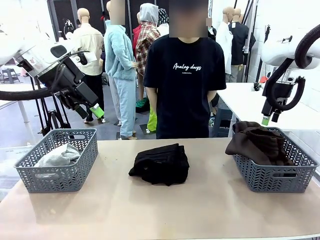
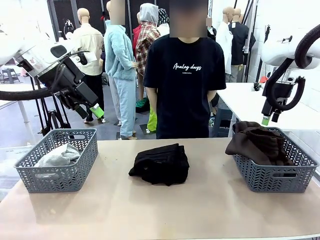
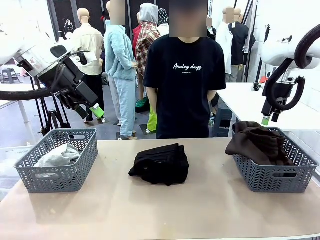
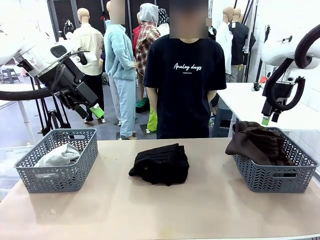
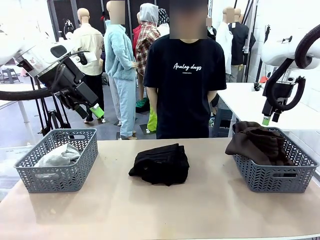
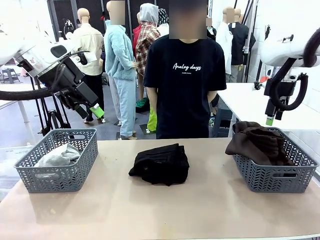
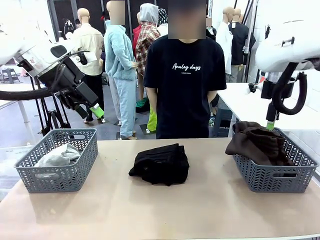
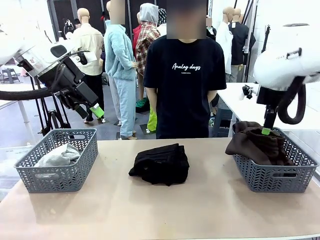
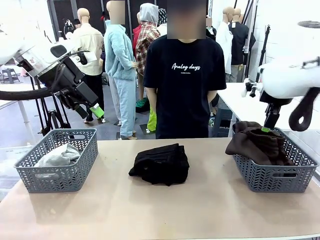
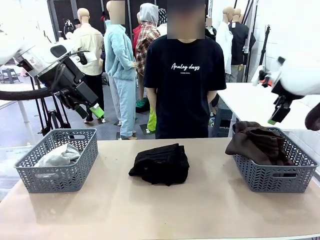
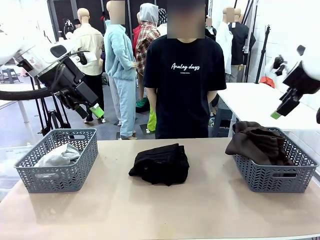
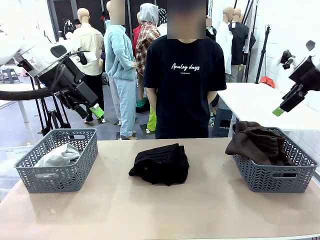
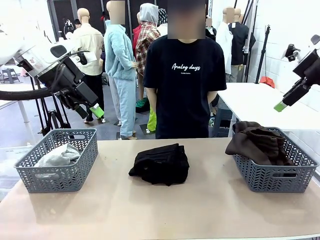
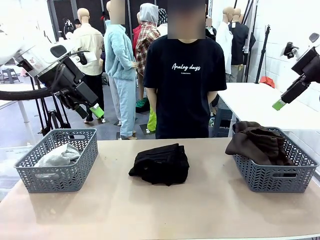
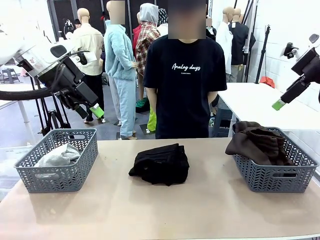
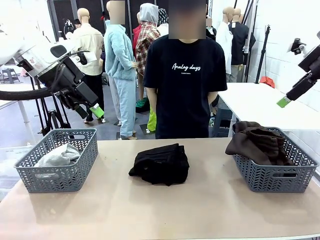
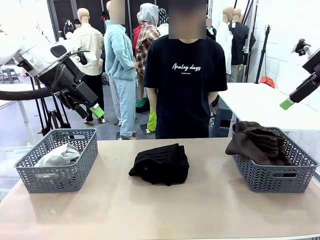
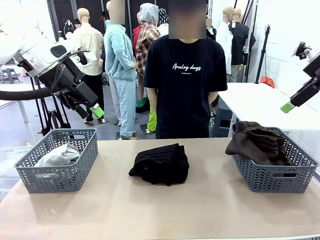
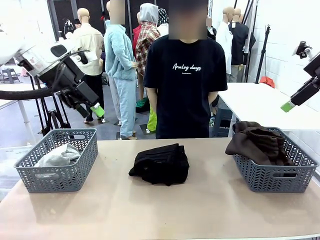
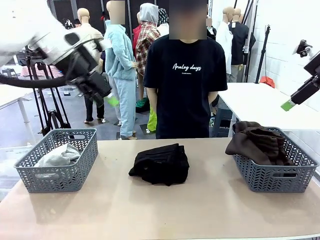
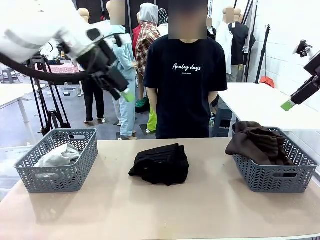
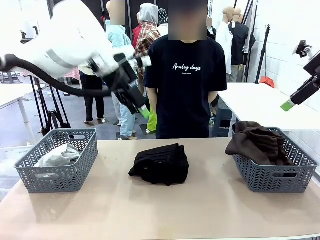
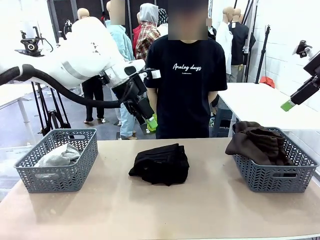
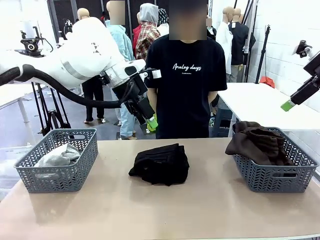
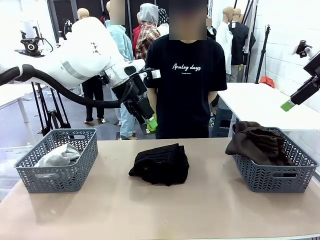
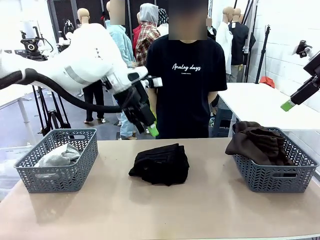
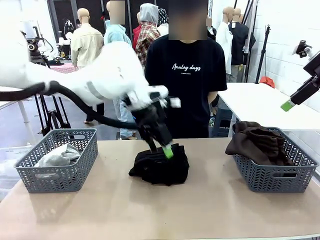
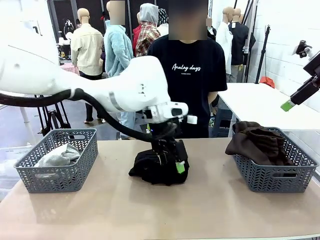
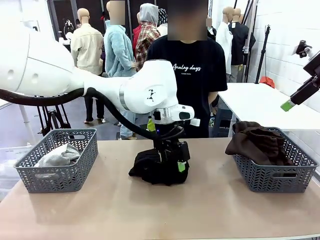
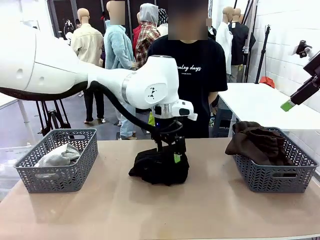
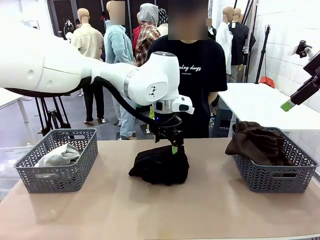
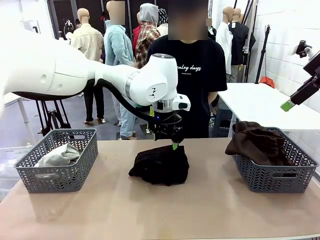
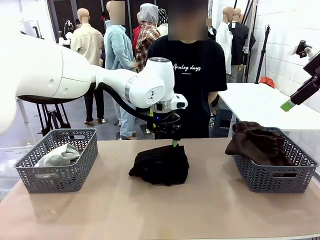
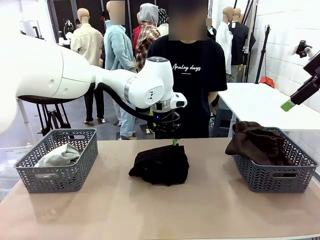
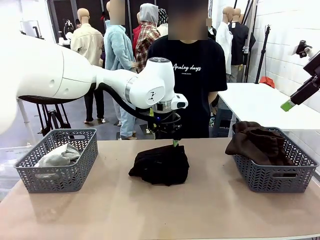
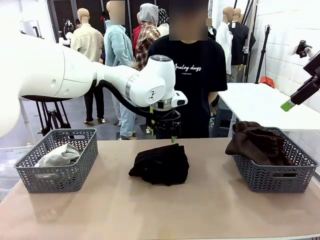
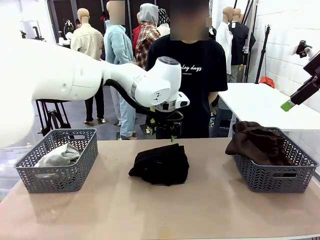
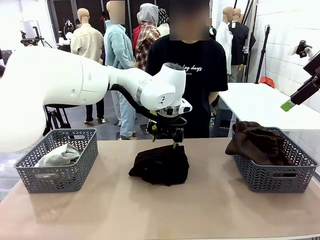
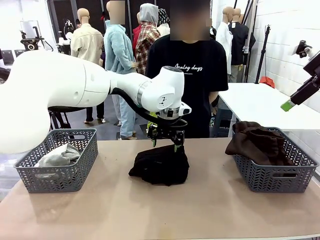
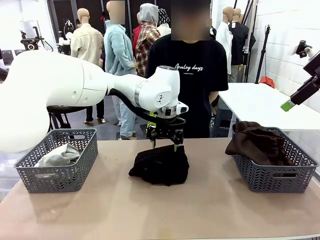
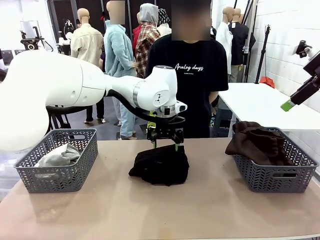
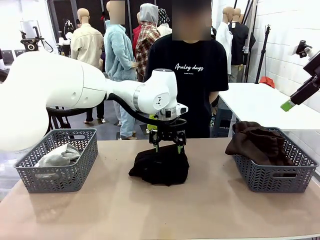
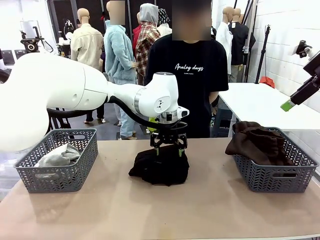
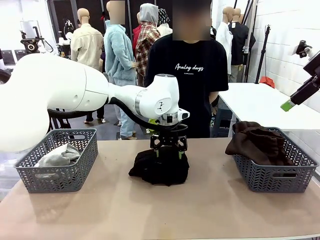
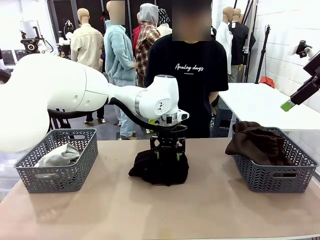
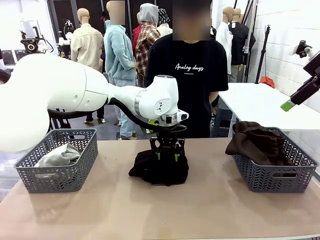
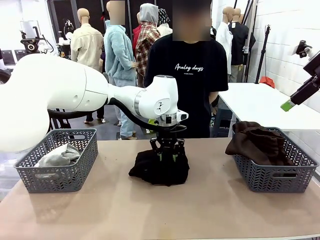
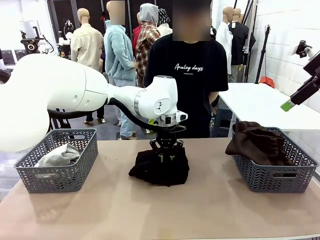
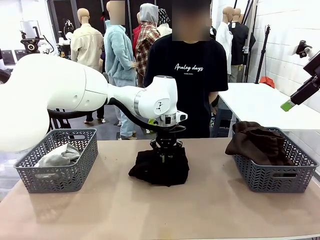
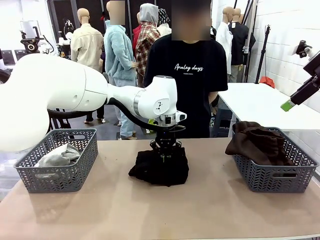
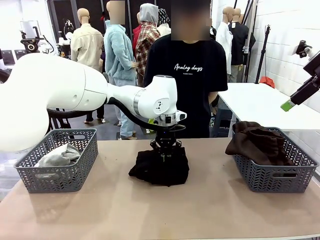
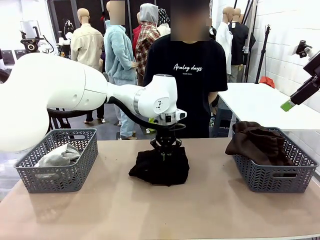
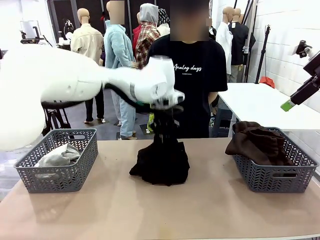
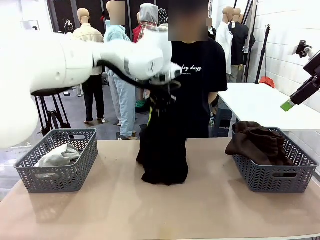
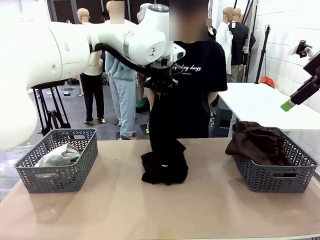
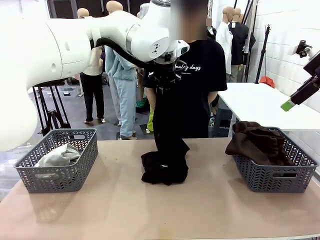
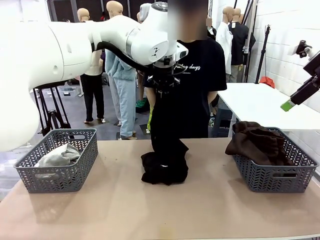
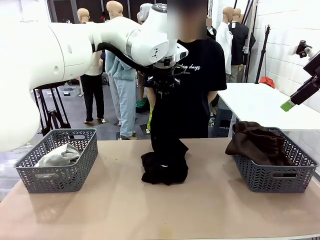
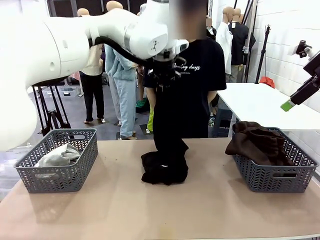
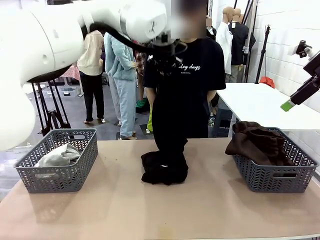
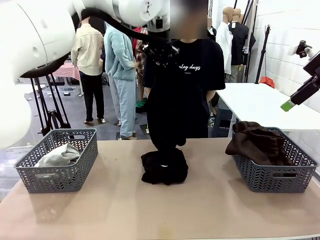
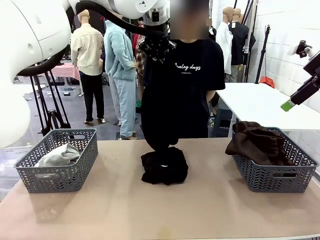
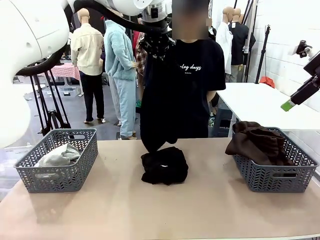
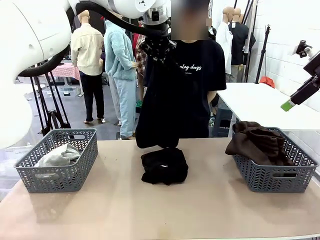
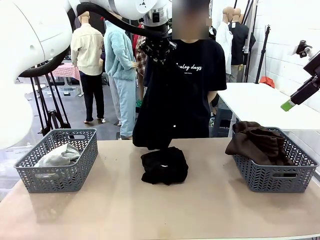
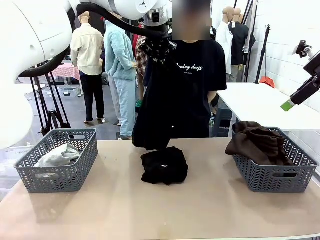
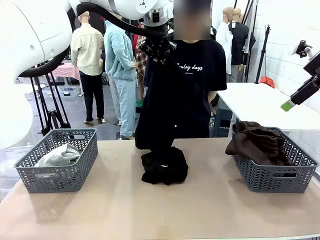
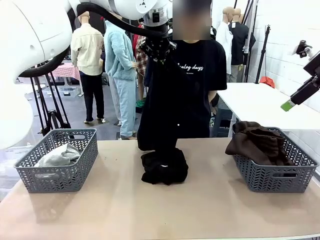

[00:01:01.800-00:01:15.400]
Task: Sort the tops and bottoms.
Robot: Lift clothes from the center of the table with your left hand.

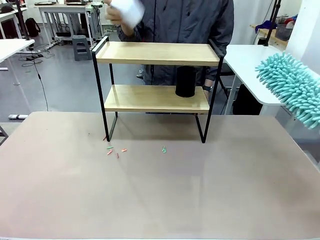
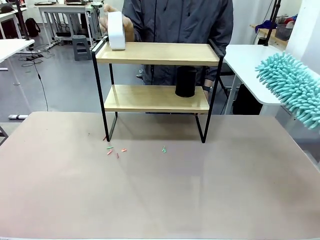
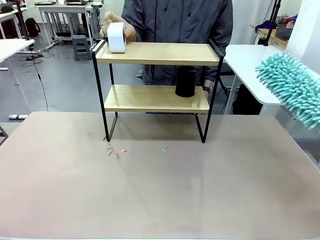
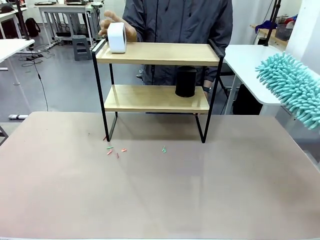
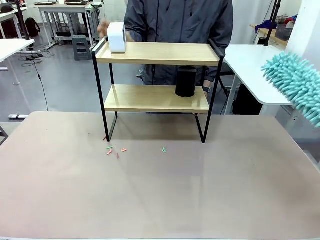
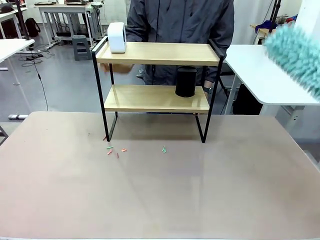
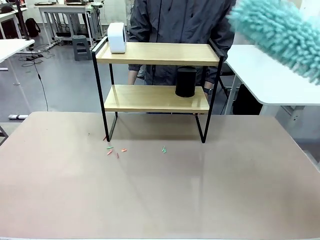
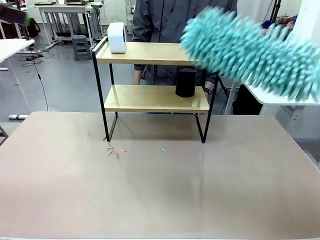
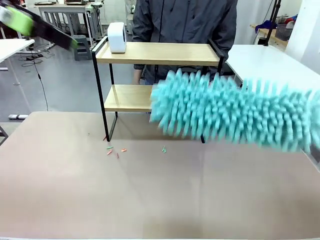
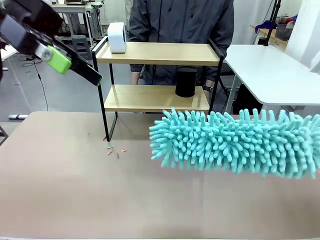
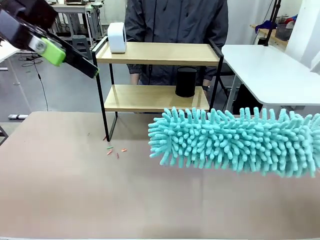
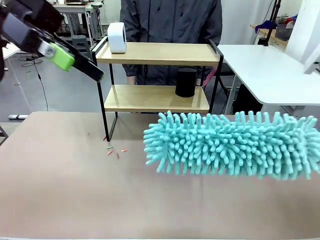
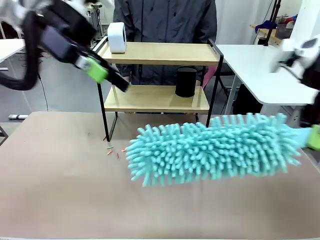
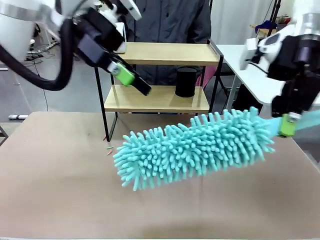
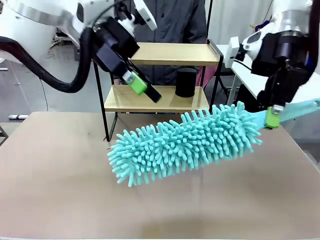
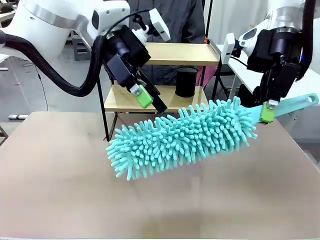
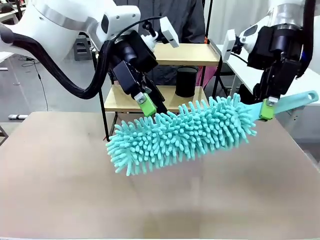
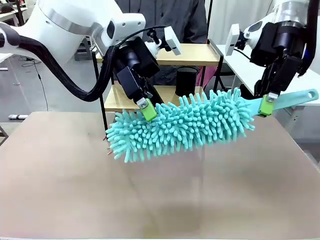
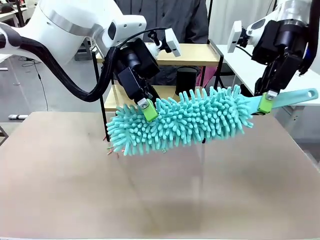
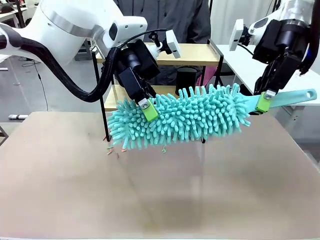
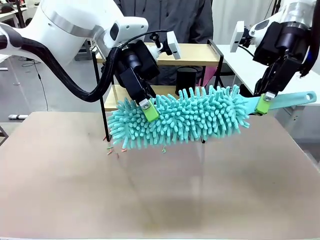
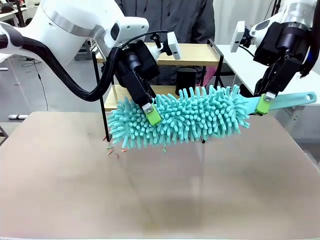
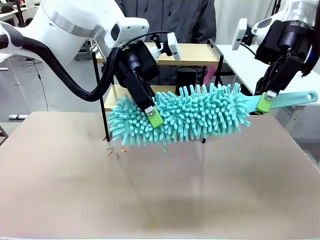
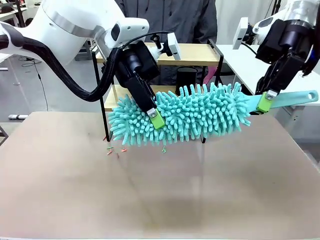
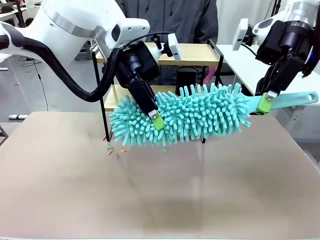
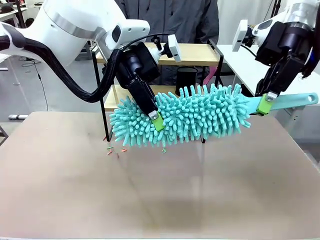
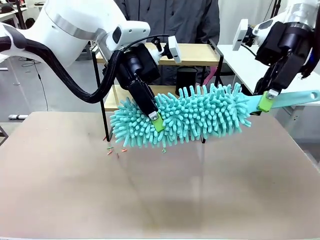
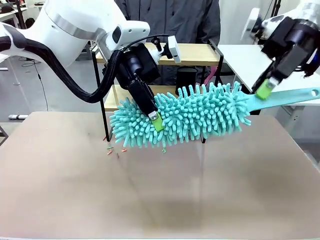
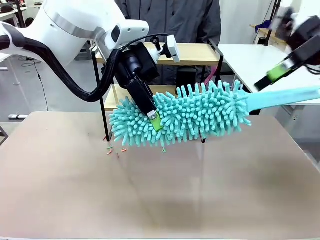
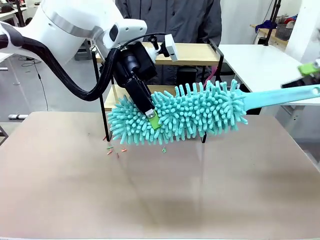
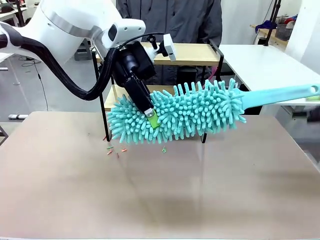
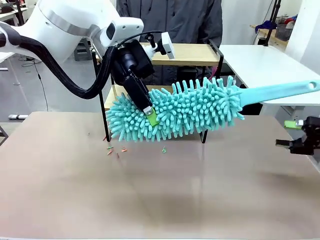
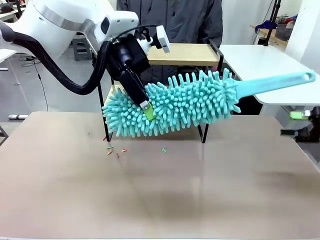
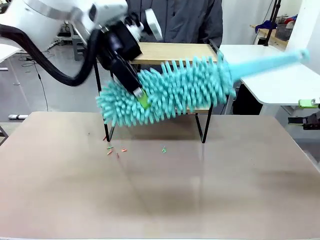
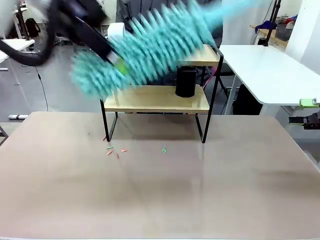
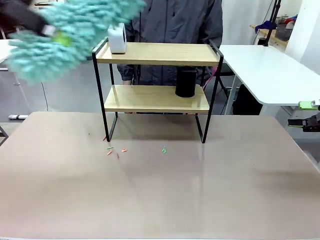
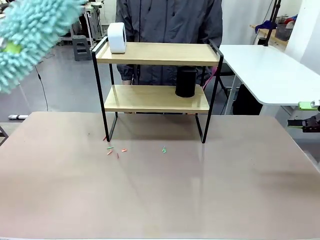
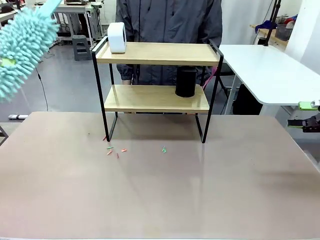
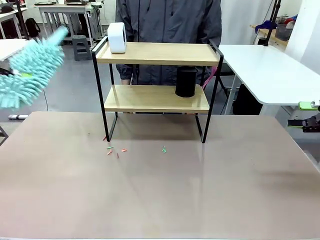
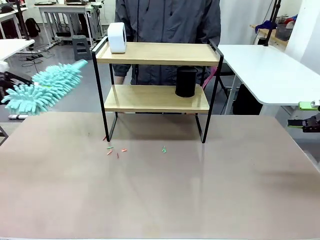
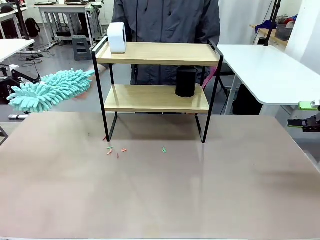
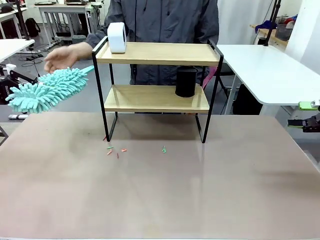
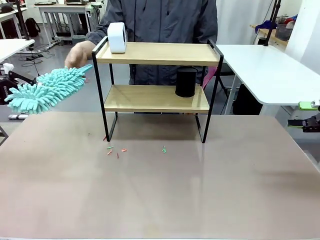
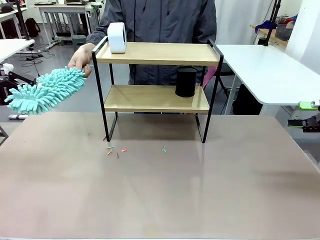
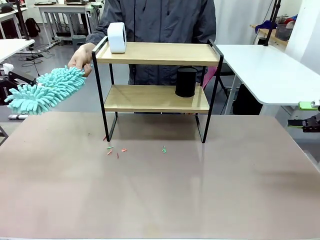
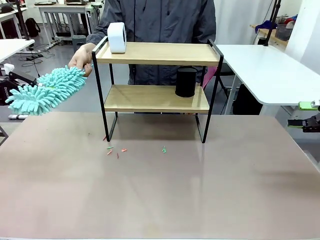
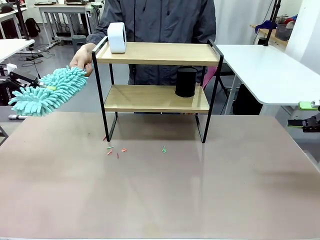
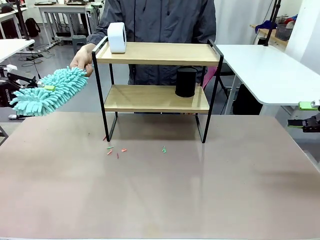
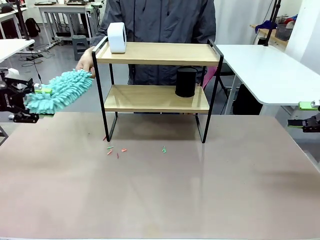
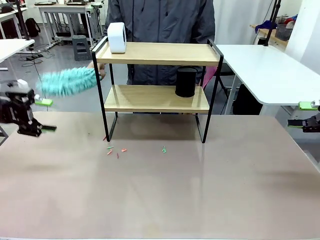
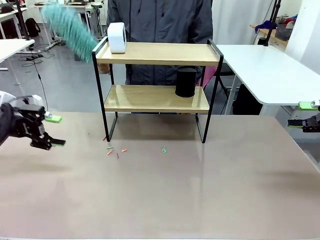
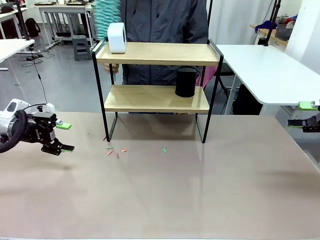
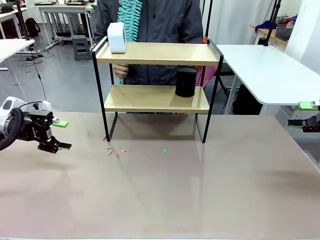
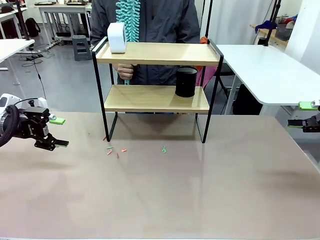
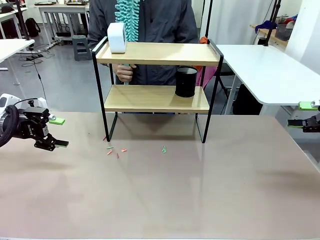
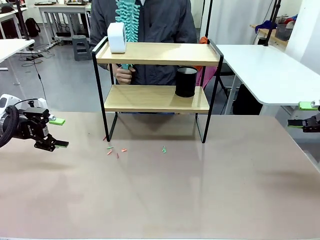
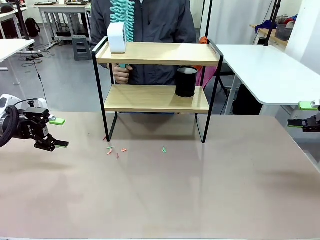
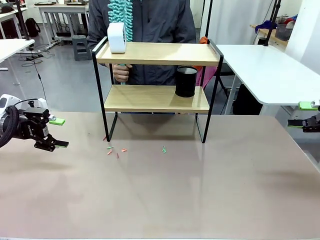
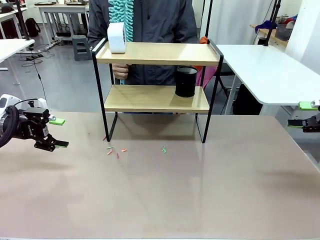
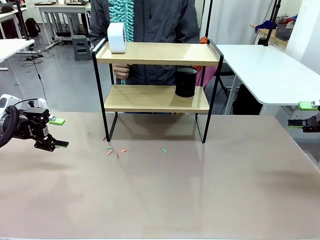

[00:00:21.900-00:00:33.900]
Task: Clean the shelf.
Robot: Hand the Duster back to the human.
Person: Receive the Duster from the robot.
